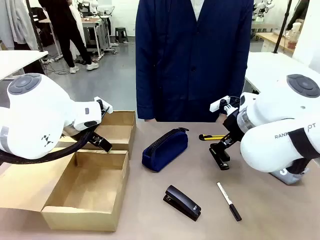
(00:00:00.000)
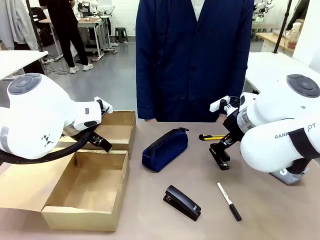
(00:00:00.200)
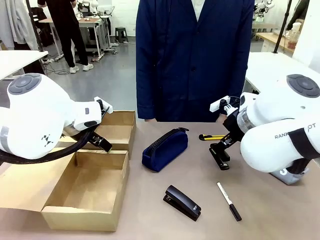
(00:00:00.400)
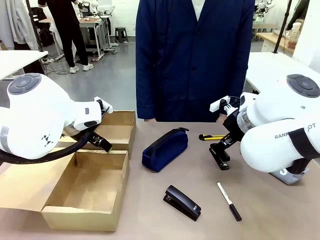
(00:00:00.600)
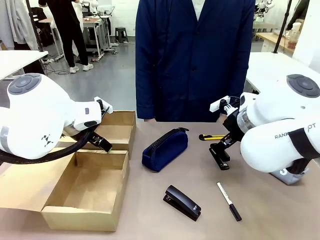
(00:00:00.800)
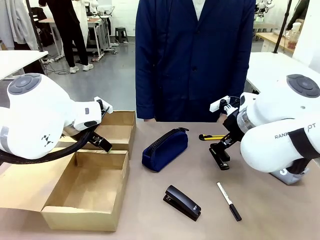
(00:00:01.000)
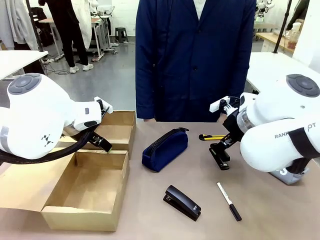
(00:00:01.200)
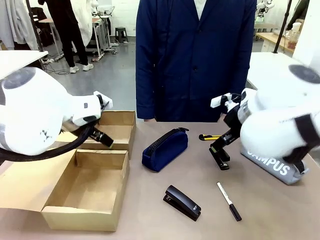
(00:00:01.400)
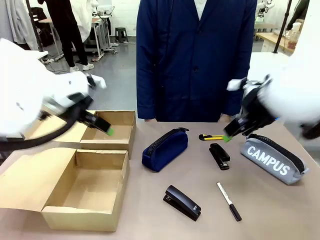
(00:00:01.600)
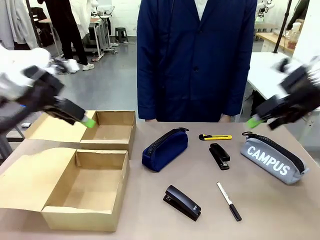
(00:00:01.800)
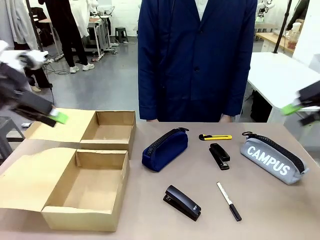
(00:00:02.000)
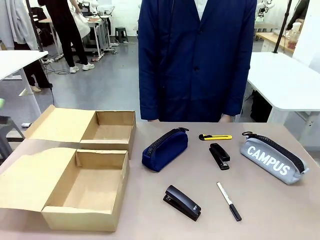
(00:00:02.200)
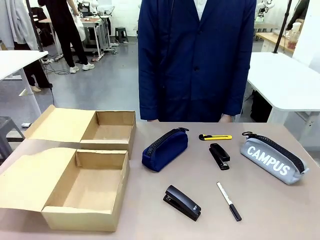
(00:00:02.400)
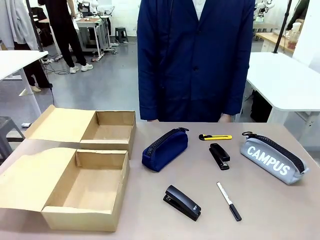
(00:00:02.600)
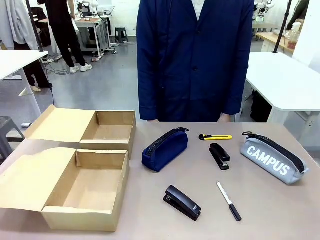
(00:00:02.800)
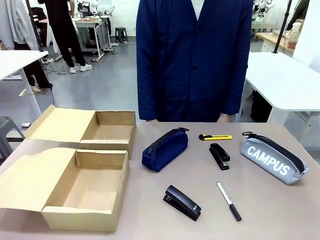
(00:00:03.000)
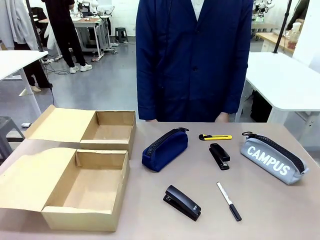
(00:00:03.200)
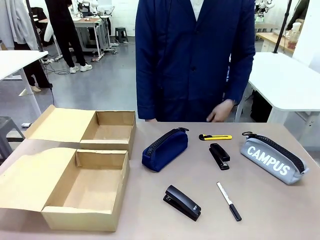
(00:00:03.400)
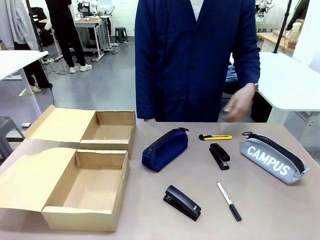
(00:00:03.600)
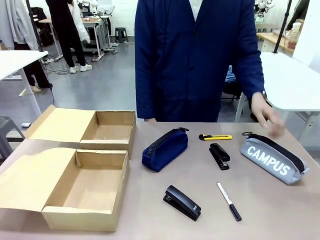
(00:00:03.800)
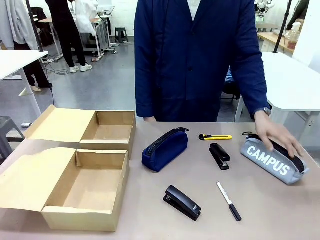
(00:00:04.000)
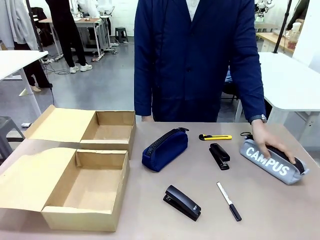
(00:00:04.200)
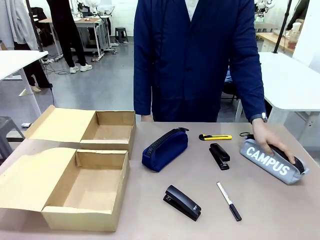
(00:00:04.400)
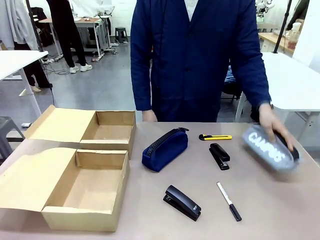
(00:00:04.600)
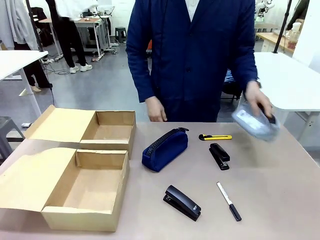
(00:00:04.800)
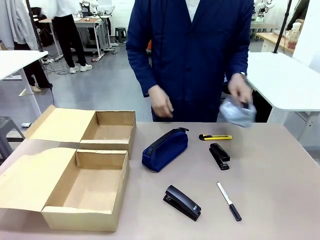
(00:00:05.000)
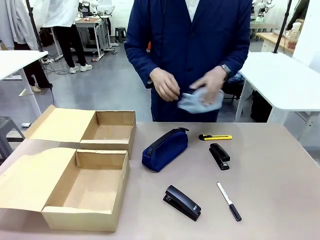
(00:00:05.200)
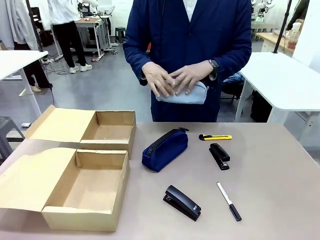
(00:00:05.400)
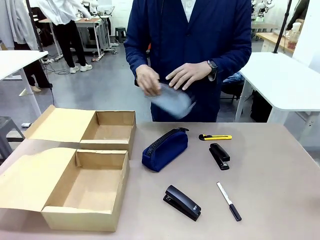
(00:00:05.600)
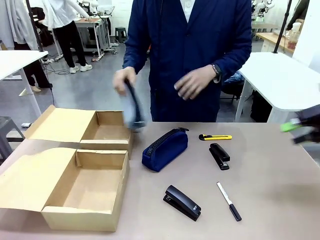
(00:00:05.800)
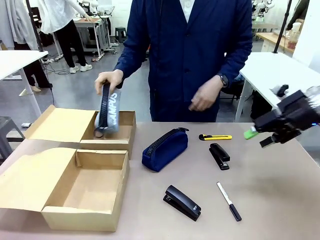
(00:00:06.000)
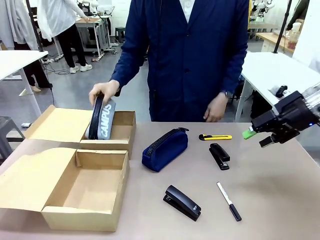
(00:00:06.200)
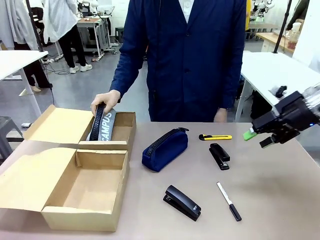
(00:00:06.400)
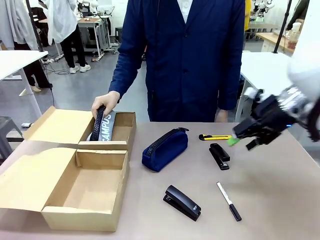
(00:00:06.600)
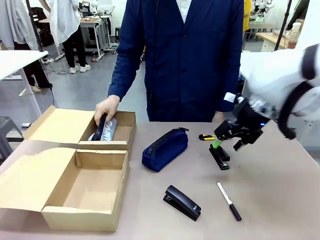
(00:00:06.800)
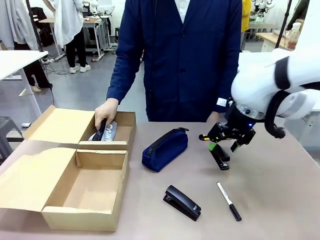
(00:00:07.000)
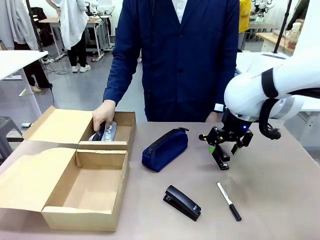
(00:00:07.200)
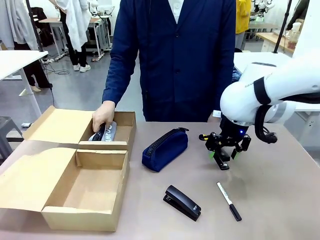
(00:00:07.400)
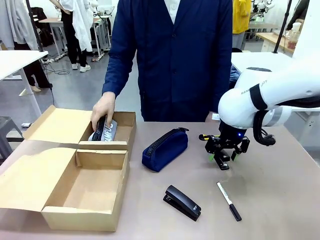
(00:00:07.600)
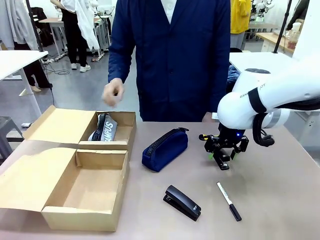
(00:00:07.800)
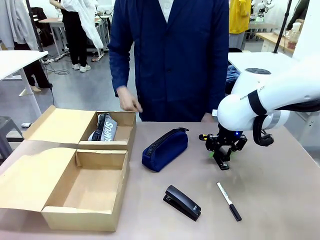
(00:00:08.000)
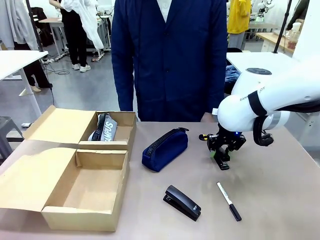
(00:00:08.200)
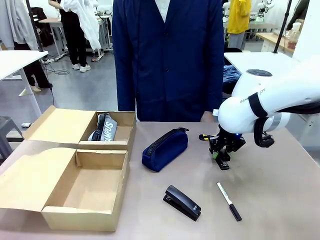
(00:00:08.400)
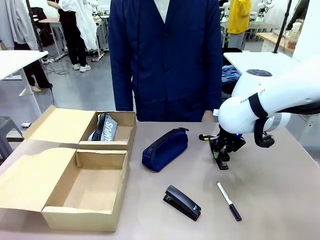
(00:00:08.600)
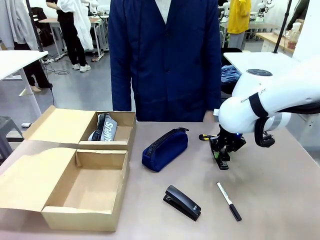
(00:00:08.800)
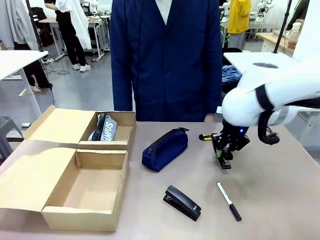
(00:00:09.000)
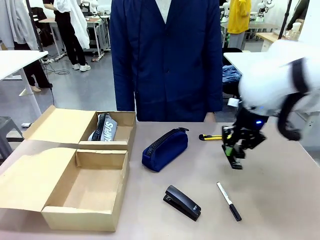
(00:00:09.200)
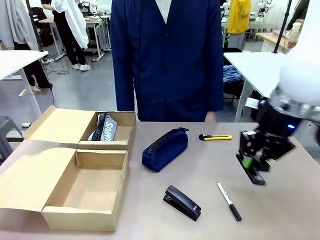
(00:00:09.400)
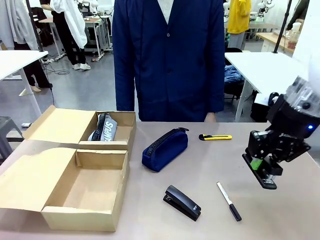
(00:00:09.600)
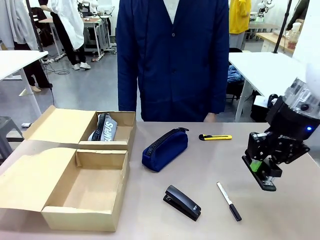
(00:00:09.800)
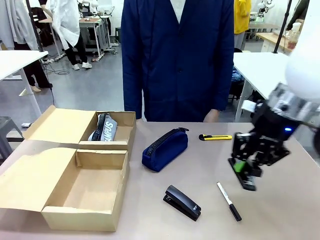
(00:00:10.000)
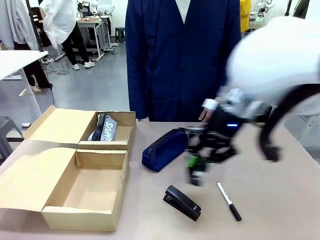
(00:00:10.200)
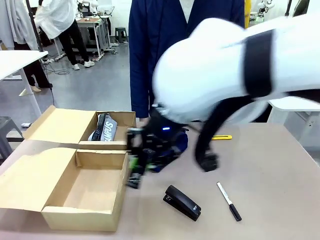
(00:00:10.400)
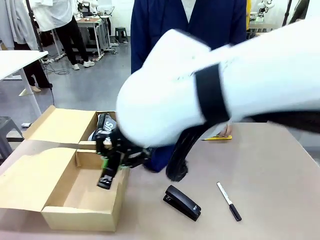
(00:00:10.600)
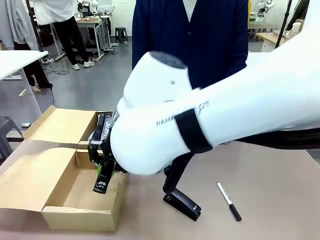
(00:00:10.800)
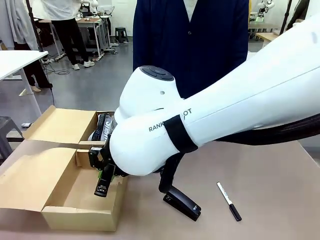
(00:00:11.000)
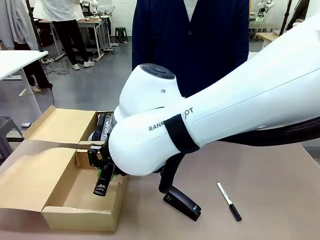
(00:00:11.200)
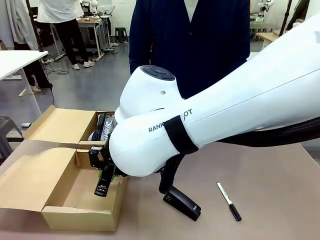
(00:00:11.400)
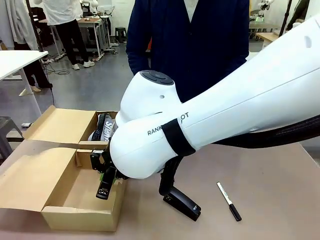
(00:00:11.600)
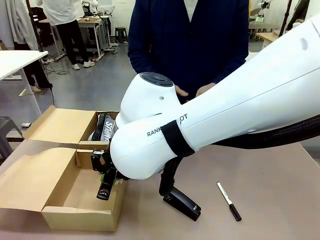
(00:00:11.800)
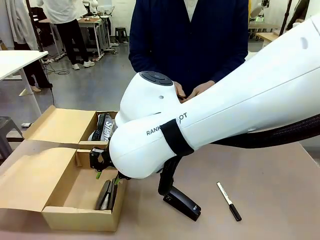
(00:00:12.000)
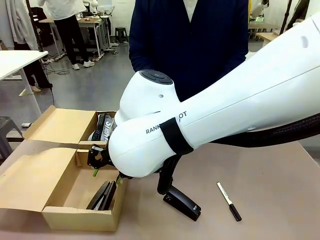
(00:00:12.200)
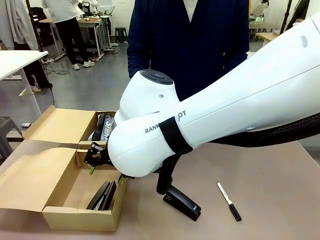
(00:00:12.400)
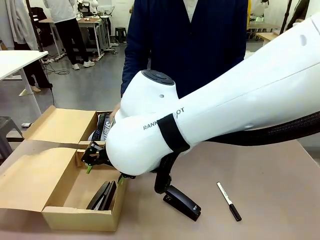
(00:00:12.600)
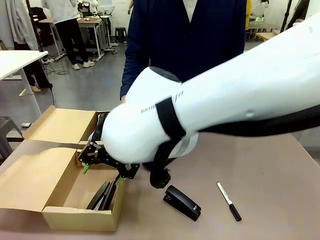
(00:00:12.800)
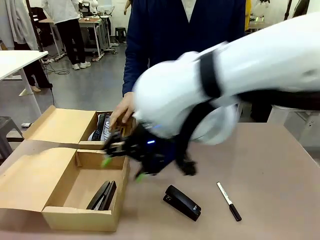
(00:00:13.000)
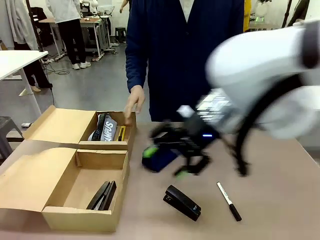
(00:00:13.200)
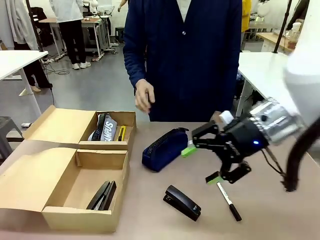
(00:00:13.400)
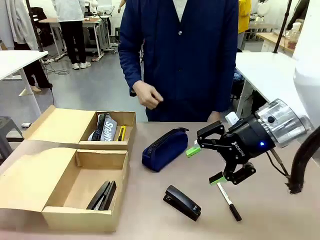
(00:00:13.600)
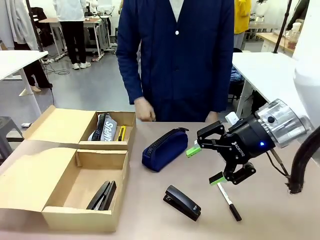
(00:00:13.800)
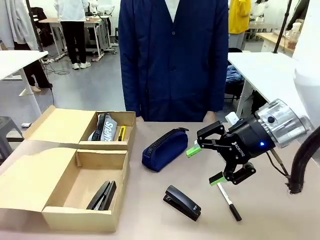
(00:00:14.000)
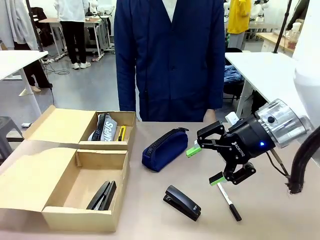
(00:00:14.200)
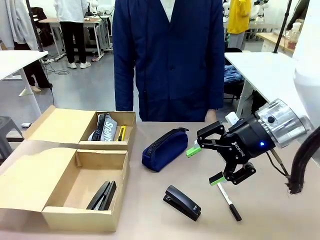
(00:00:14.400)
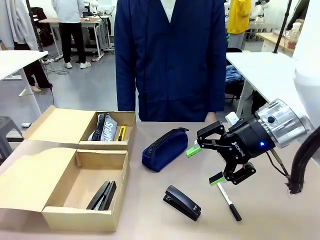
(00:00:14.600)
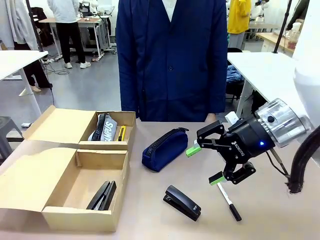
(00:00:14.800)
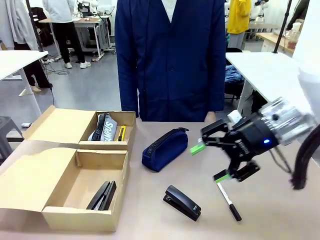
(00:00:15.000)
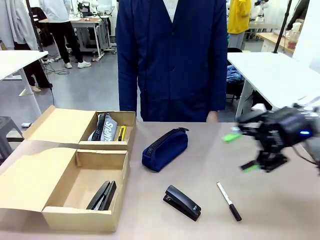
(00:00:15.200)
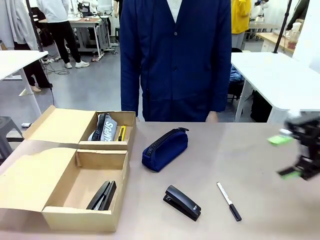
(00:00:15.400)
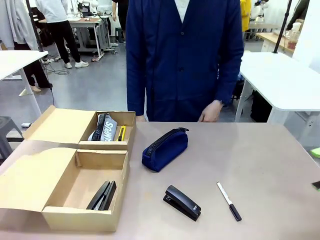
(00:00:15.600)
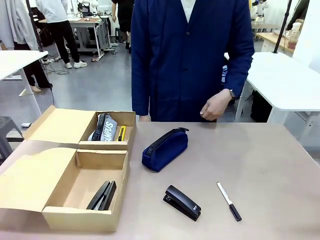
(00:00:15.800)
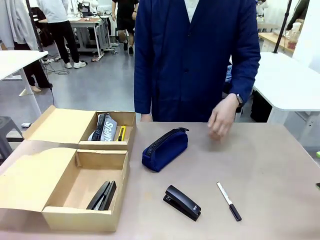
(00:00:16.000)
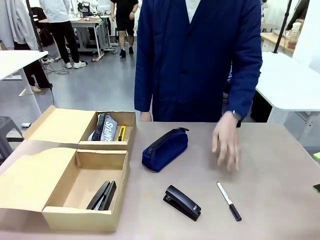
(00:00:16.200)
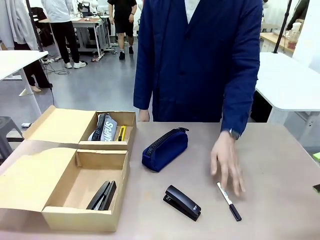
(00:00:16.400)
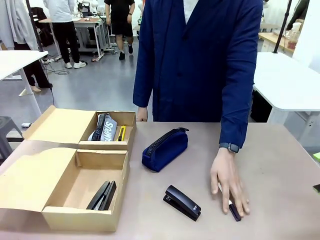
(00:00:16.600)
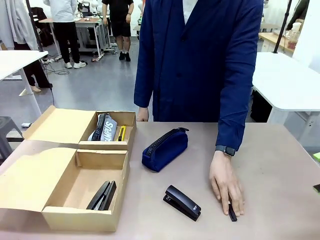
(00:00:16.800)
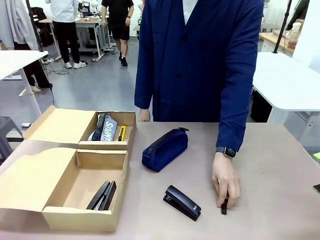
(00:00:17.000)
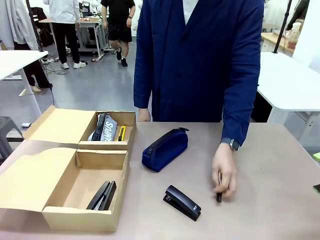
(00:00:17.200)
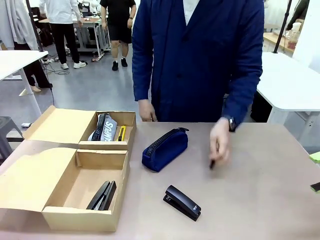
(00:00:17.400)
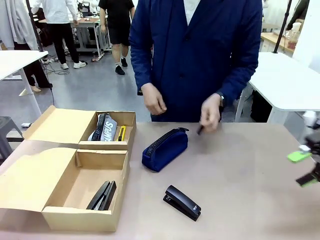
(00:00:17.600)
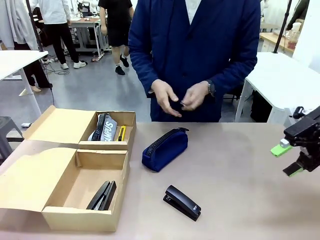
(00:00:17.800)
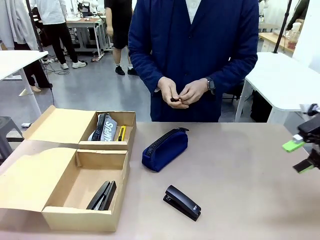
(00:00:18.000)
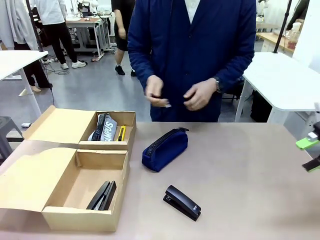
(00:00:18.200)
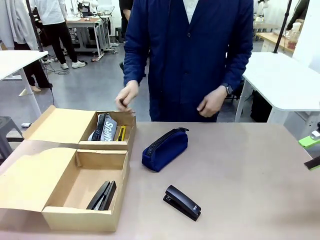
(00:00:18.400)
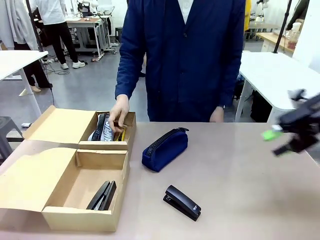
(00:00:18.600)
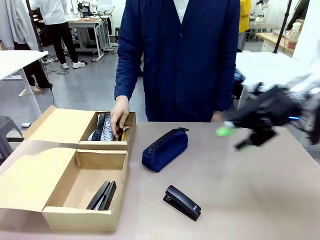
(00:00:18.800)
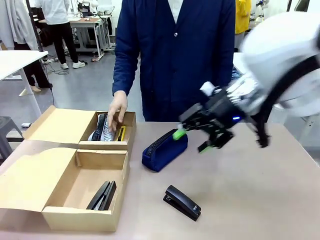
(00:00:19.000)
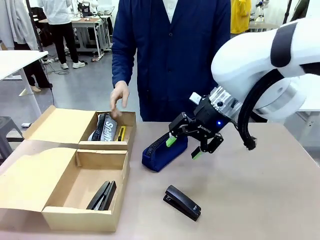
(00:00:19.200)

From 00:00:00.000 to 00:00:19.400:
Task: Place items inside the box.
Robot: Pick up a Pencil pouch or Stapler and place it inside the Mailer Box closest to the robot.
Person: Pick up an object on the table and put it in the box.
